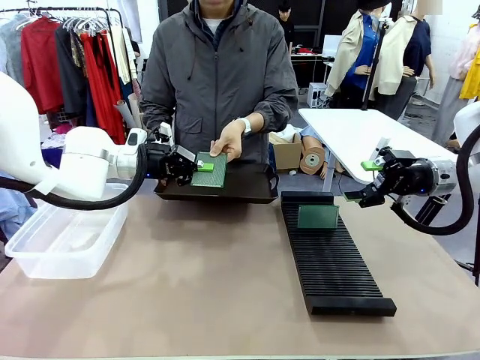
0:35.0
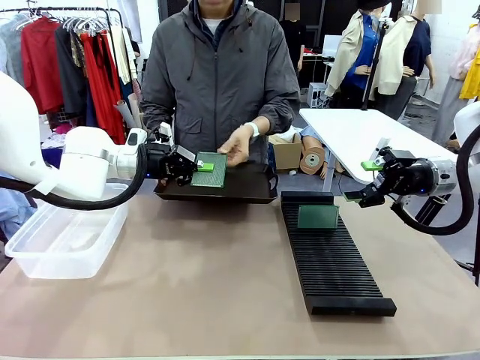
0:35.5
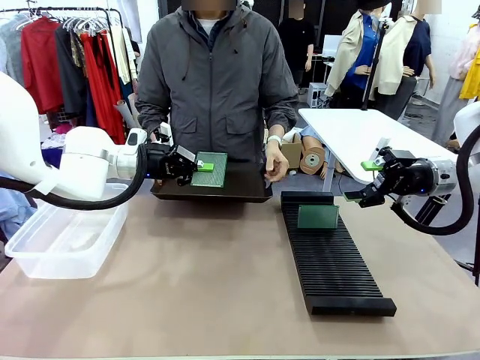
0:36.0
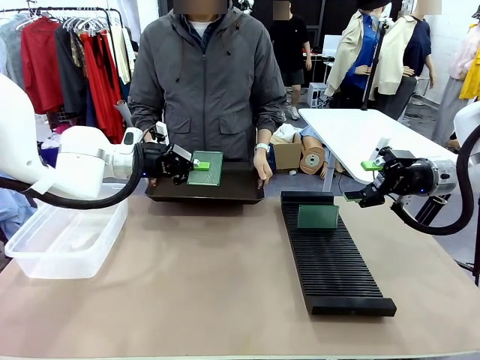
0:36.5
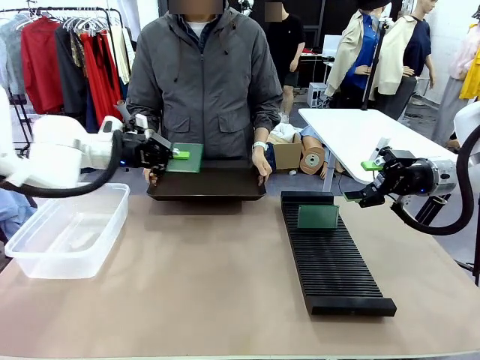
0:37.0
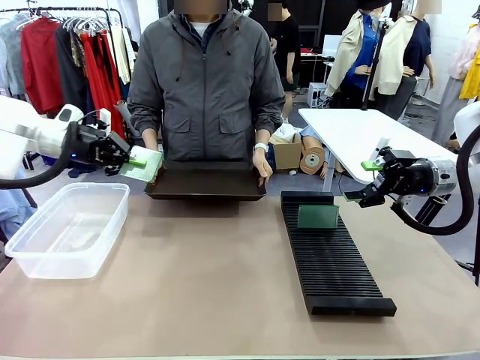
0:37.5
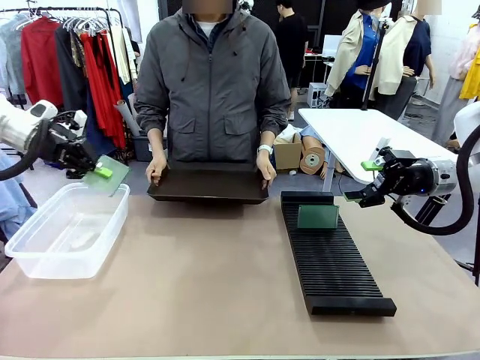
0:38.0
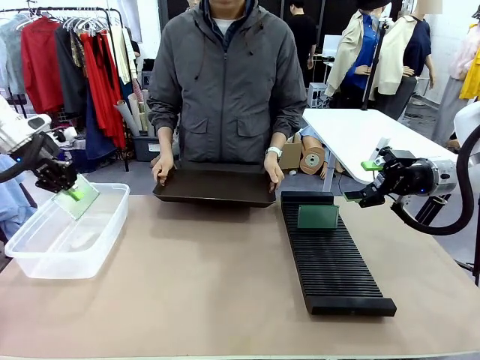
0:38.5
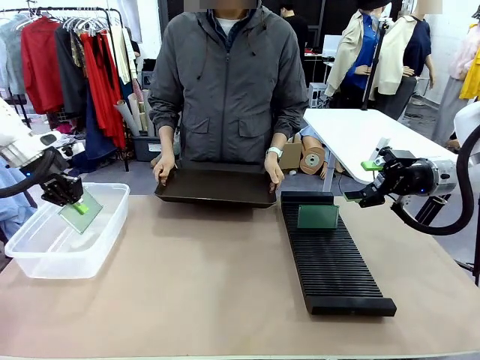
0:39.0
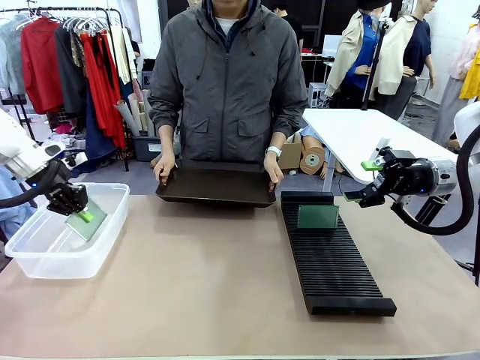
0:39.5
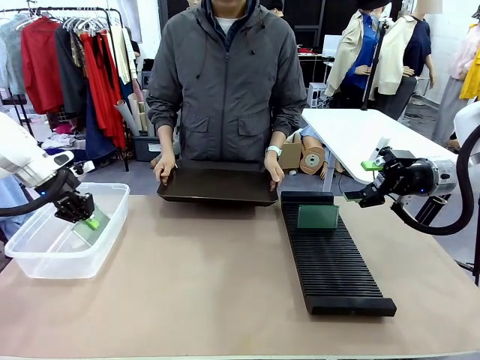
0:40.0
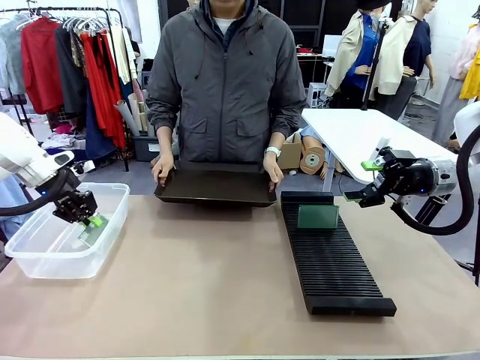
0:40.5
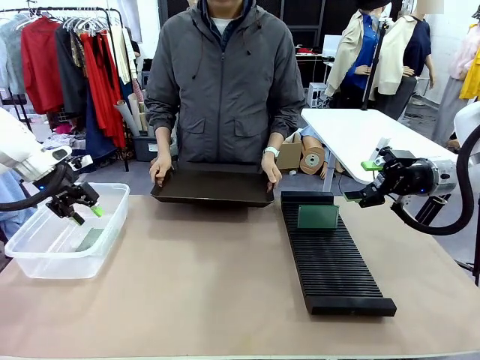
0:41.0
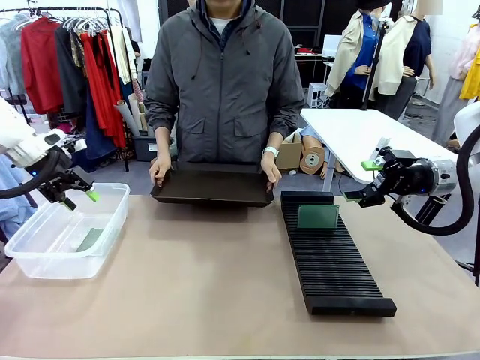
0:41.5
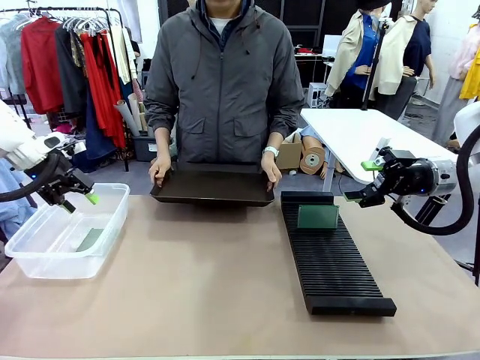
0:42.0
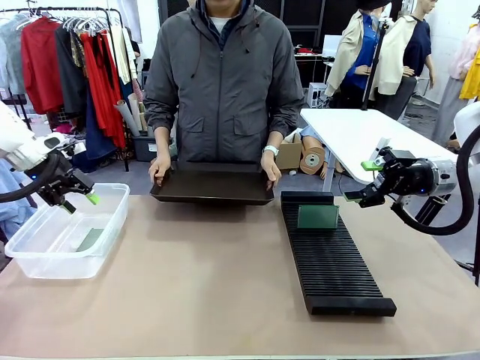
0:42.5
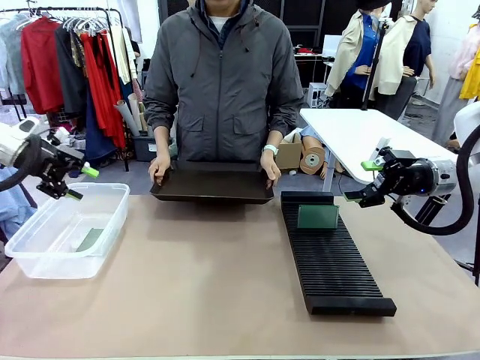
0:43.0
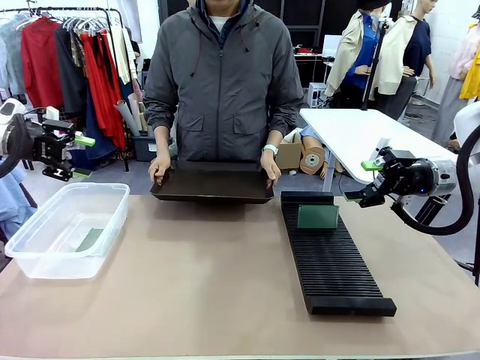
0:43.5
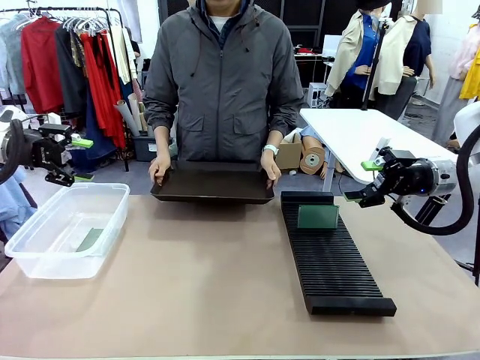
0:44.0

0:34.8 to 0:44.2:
Task: Sort PCBs into racks and boxes based on the side picked up.
Robot: If the short side of the Blank PCB is picked up, insert it into the PCB Rack ; if the long side is picked up, place it in the Organizing box.
Person: Release the PCB being held.

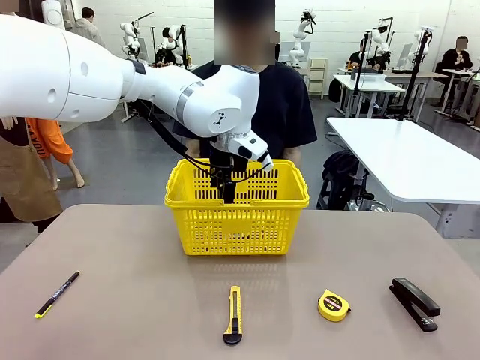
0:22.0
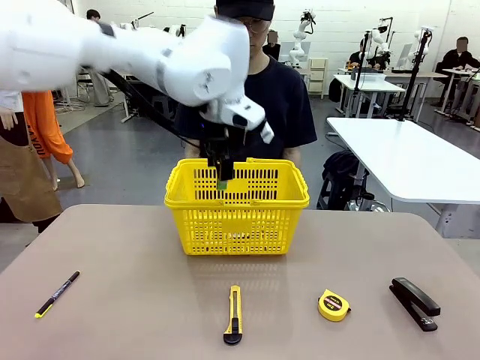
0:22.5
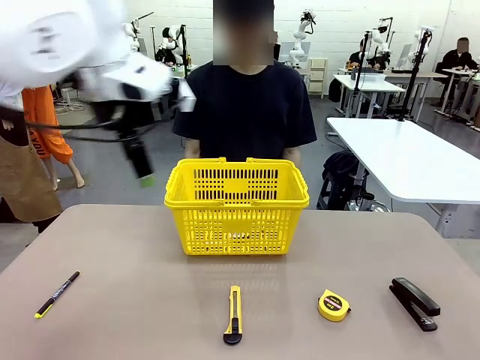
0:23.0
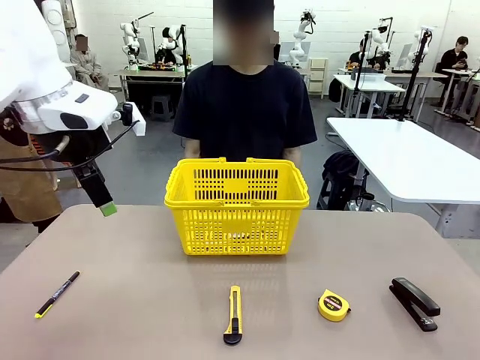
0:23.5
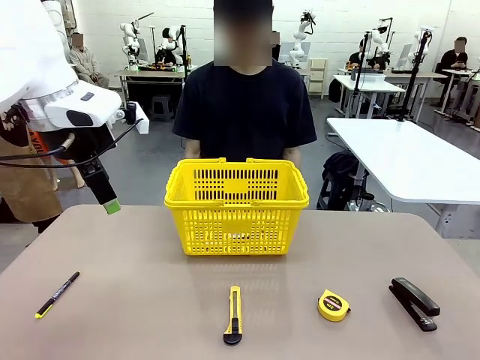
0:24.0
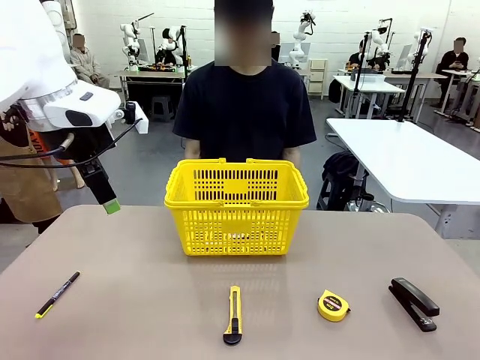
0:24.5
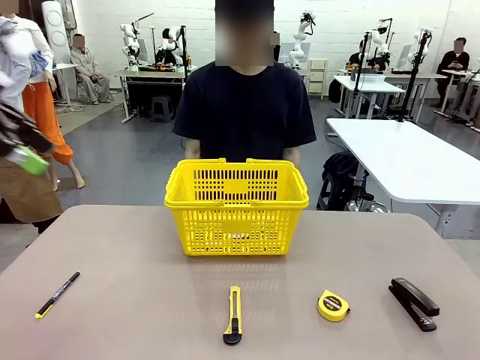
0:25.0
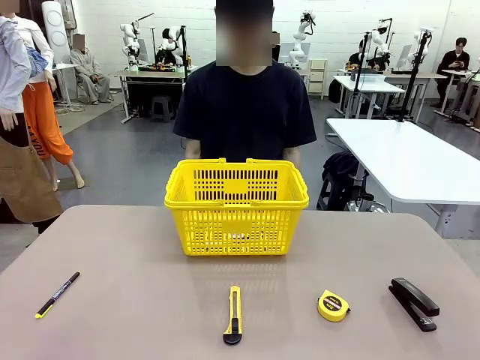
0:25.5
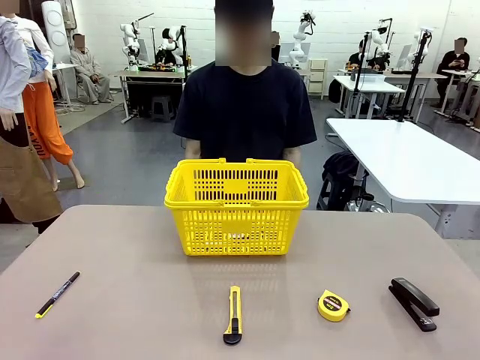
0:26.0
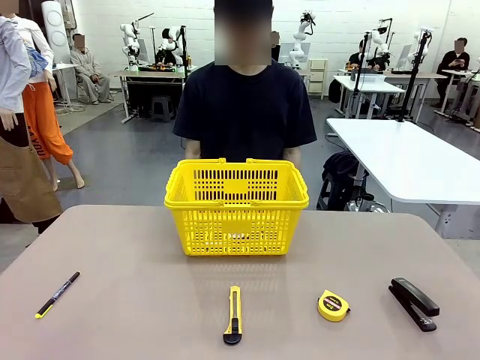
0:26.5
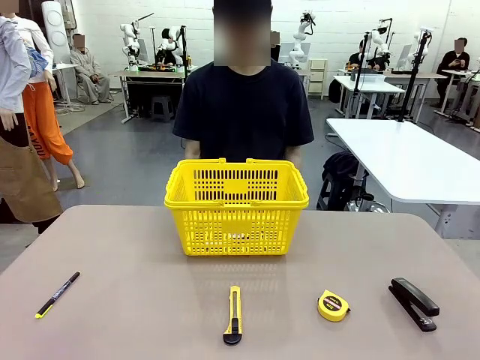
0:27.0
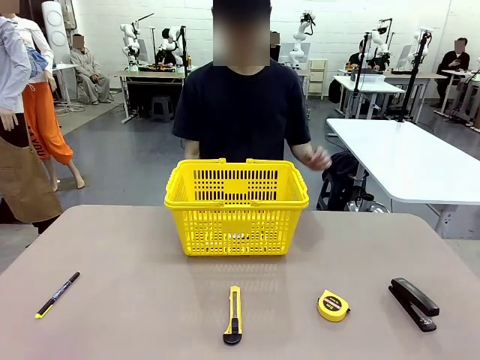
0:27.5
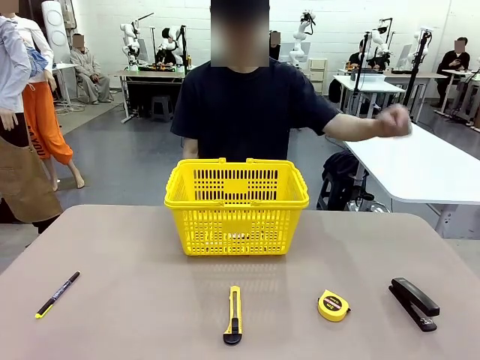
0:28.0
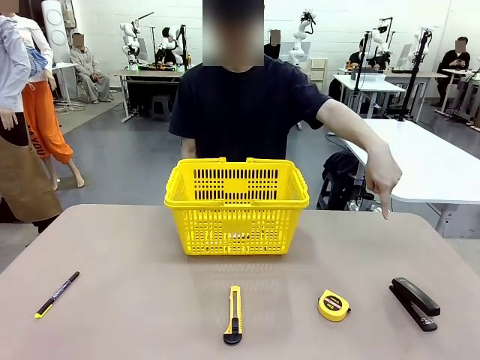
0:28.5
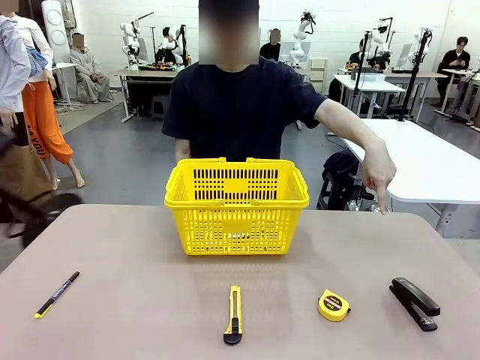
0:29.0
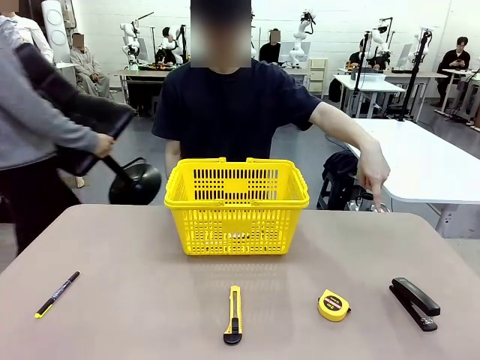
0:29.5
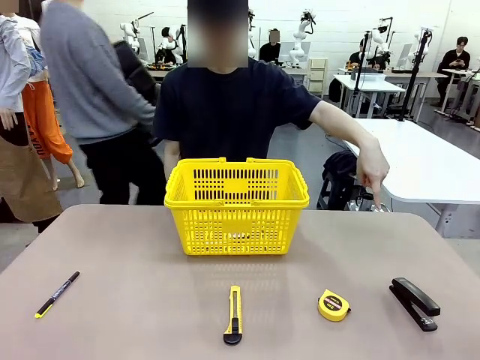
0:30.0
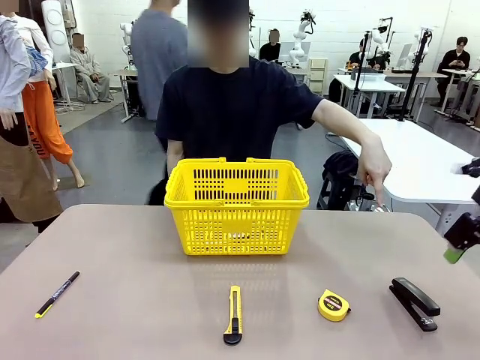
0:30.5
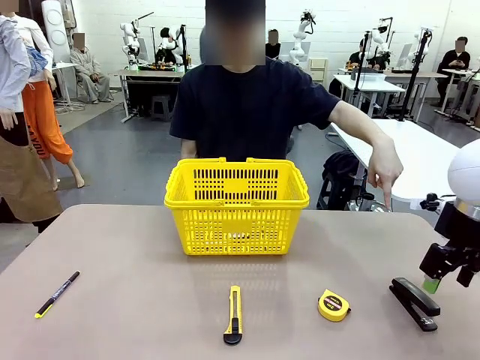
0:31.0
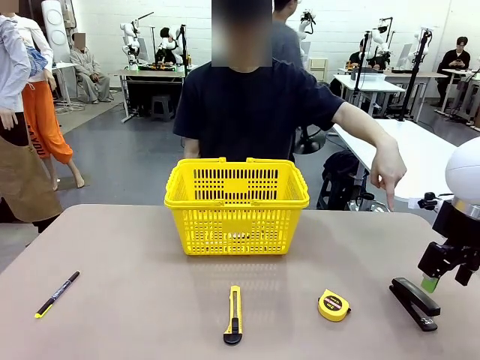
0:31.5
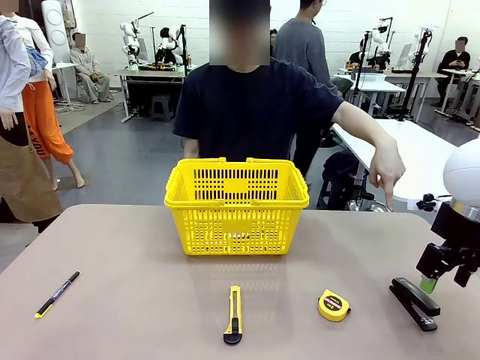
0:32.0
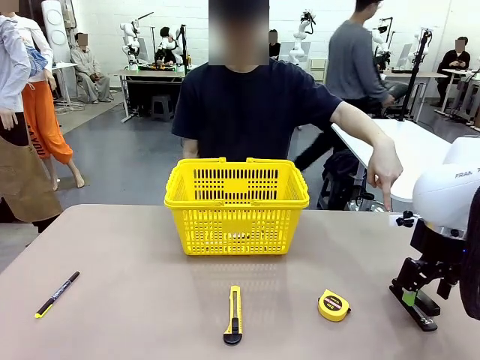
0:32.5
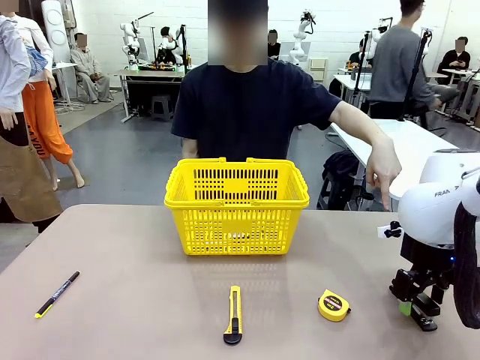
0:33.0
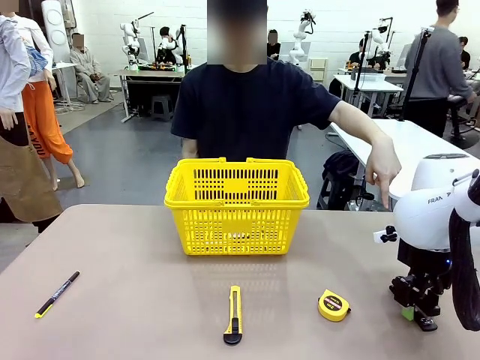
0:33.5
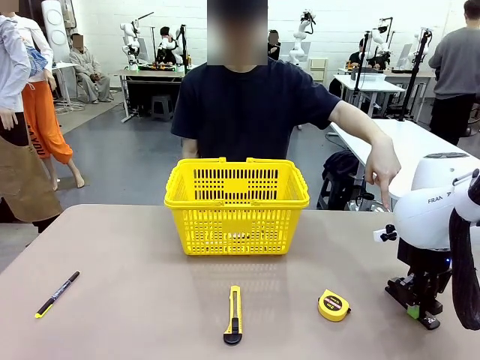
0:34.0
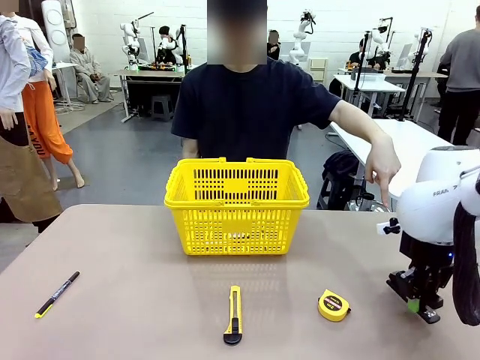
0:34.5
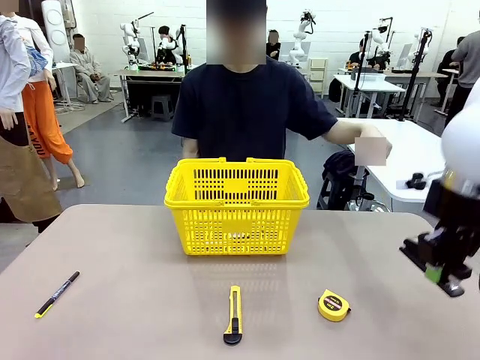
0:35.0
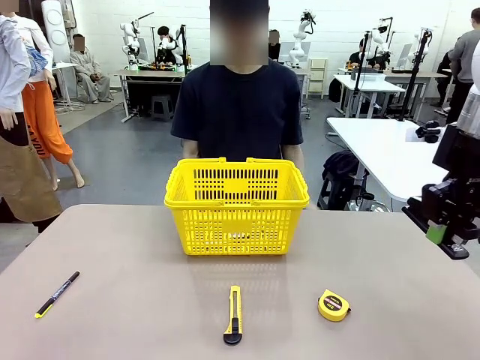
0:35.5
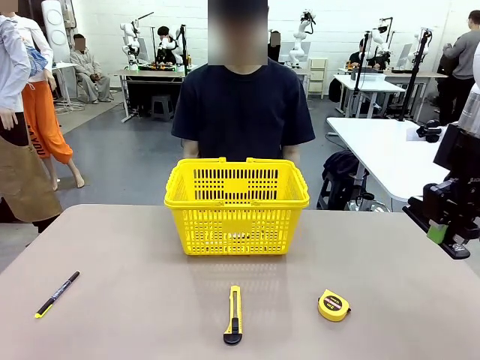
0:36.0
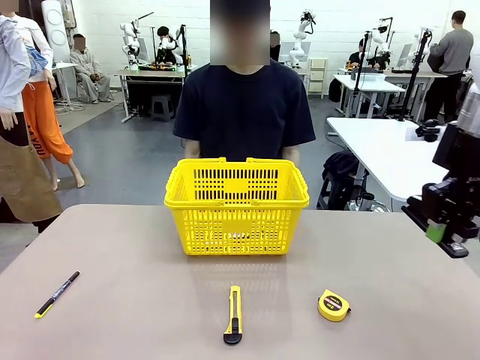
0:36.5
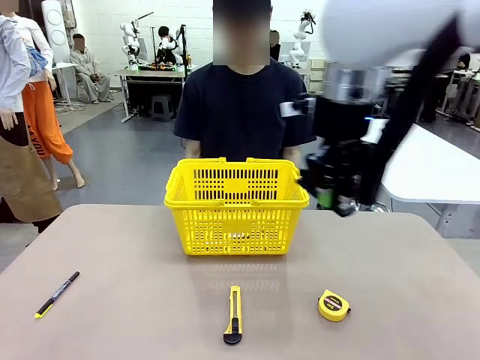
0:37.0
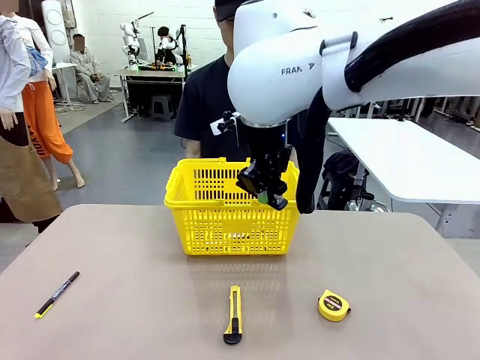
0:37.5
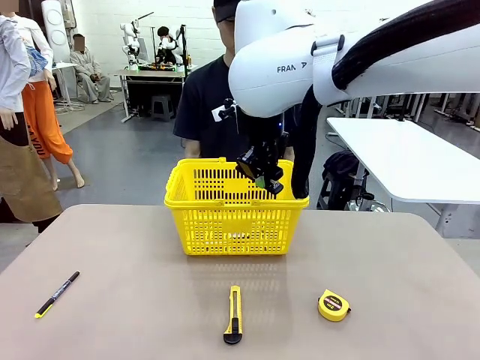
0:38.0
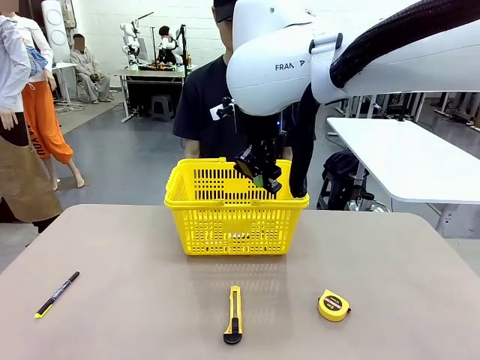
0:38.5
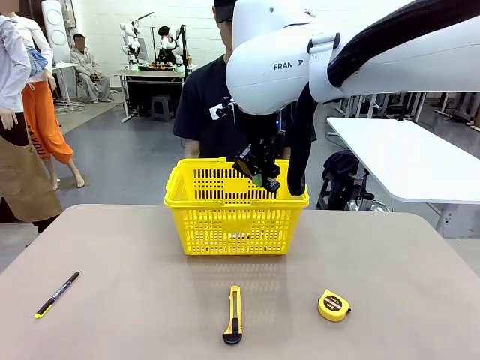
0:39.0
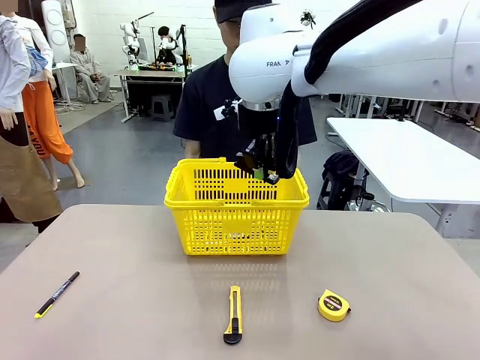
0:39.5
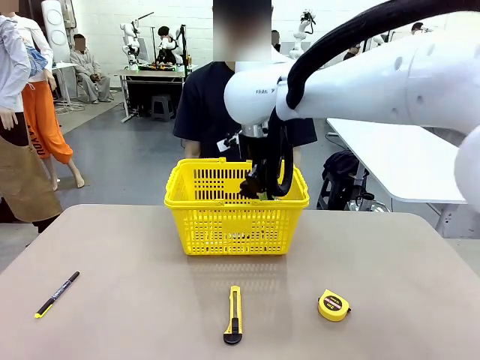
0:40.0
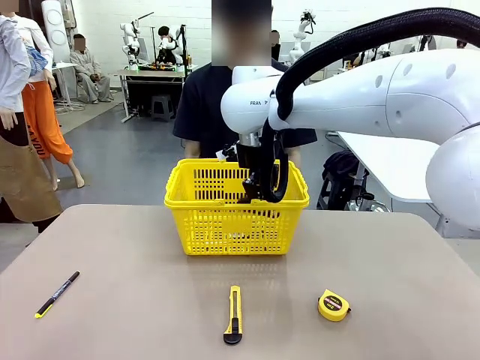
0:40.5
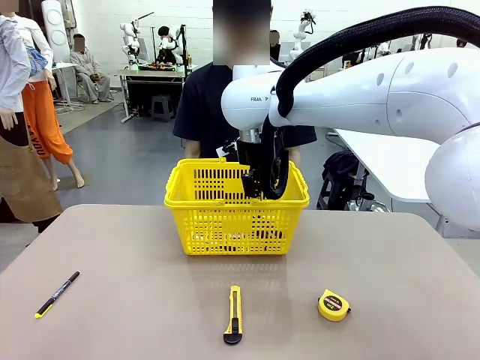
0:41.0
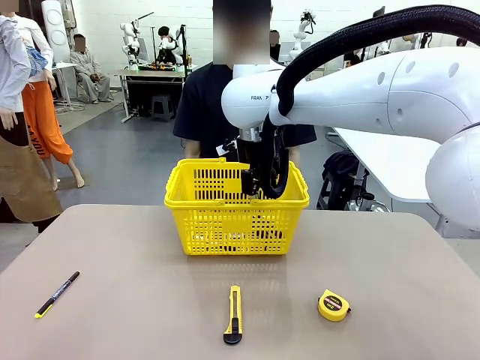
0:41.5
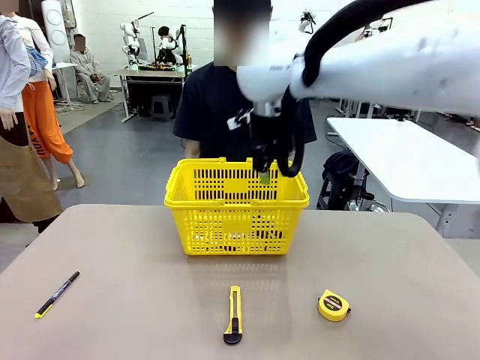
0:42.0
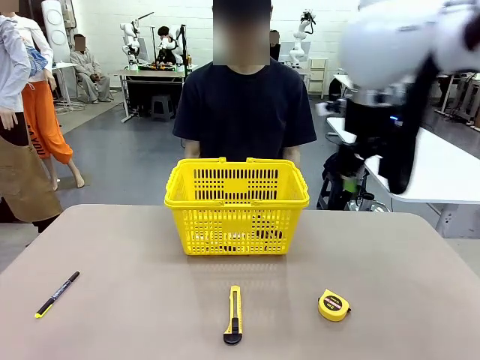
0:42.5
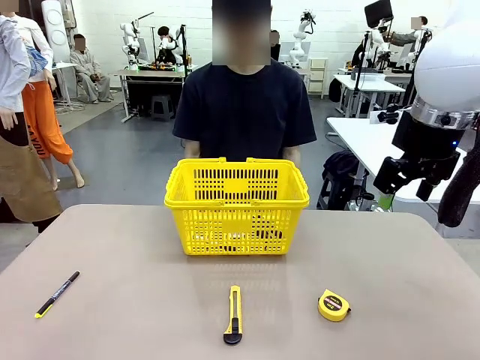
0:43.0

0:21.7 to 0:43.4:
Task: Place the items the person wants into the basket.
Robot: Pick up the item the person points to and place it in the Market Basket.
